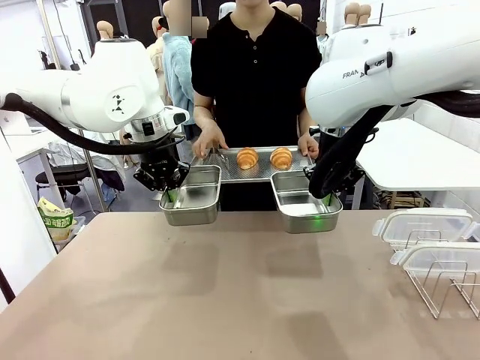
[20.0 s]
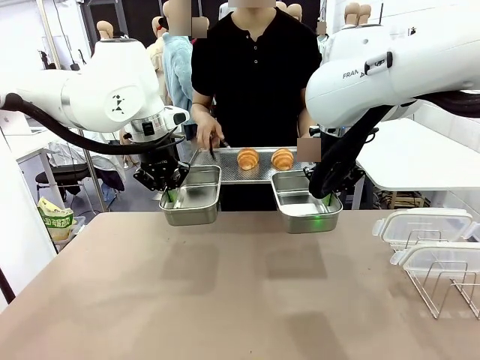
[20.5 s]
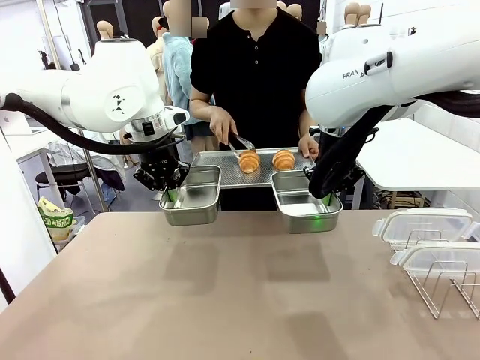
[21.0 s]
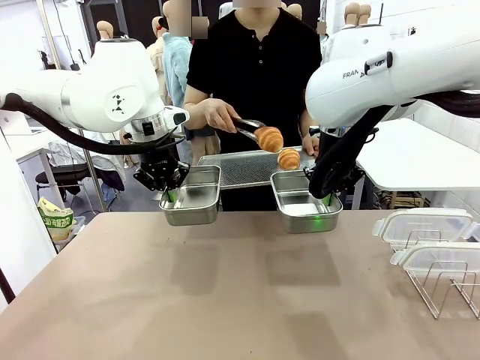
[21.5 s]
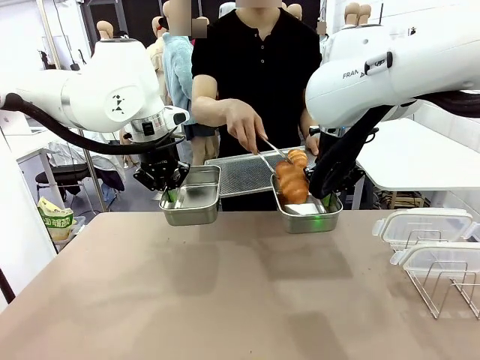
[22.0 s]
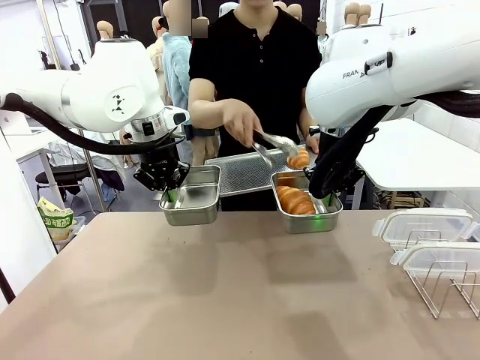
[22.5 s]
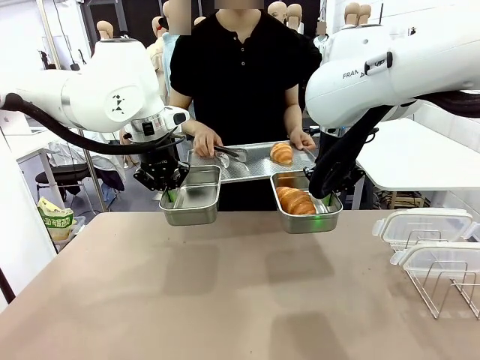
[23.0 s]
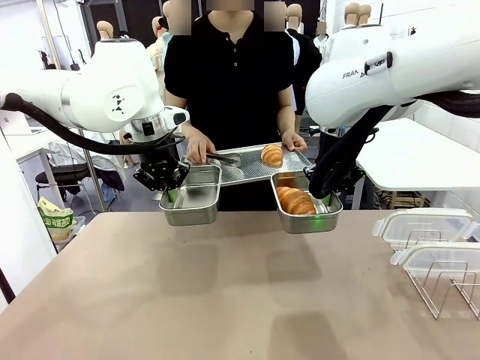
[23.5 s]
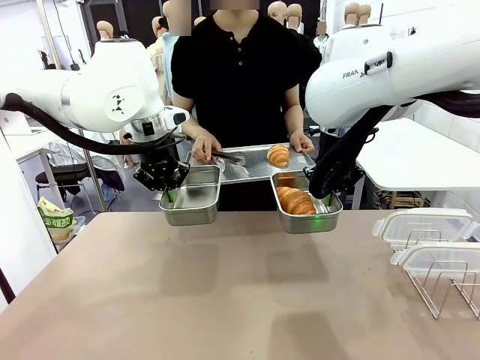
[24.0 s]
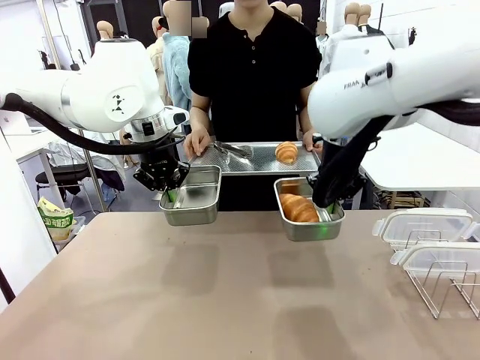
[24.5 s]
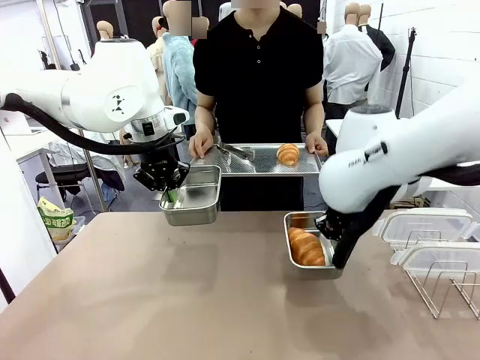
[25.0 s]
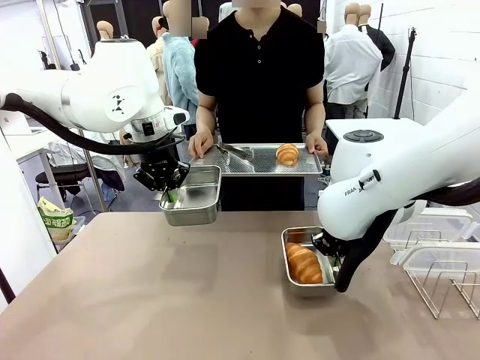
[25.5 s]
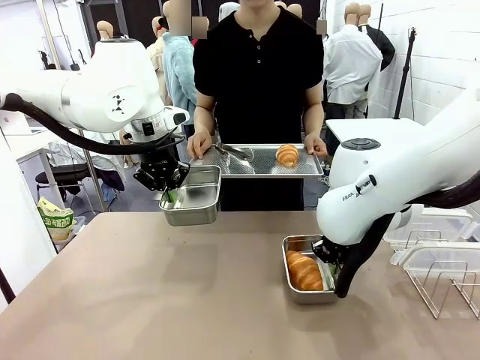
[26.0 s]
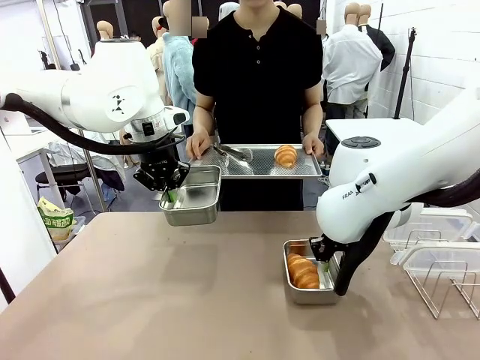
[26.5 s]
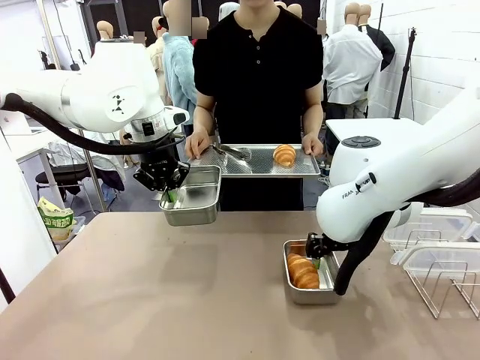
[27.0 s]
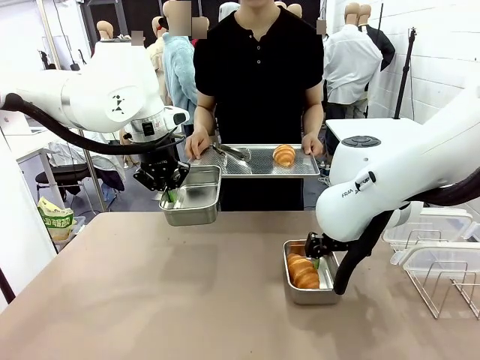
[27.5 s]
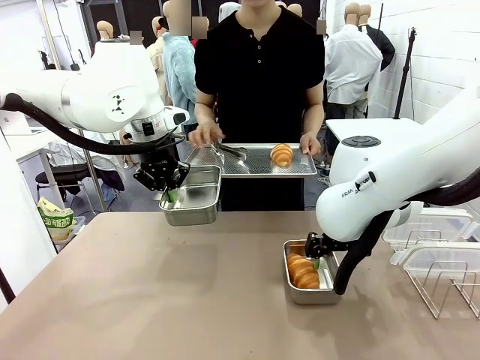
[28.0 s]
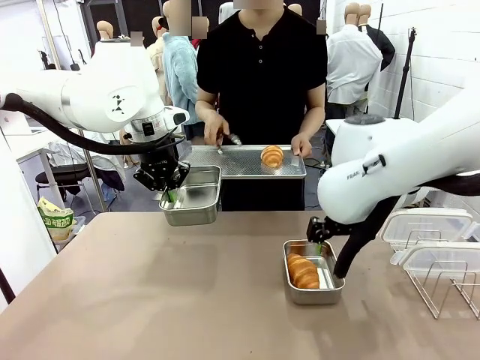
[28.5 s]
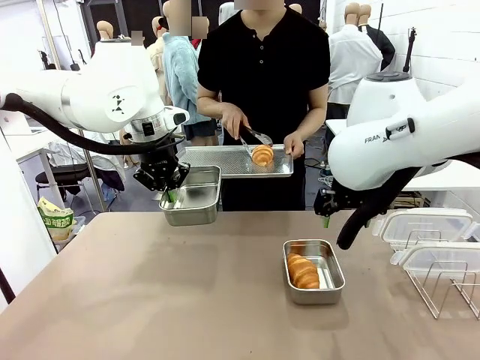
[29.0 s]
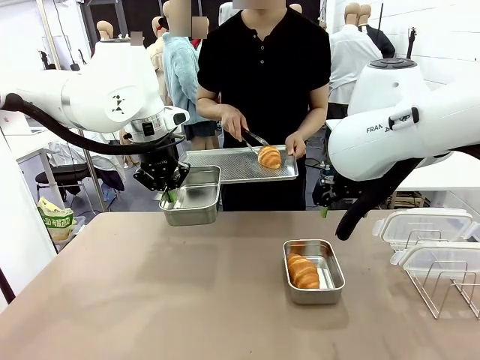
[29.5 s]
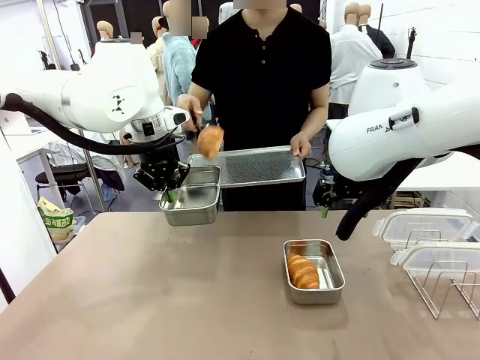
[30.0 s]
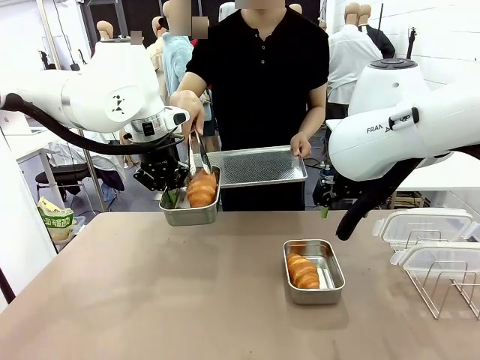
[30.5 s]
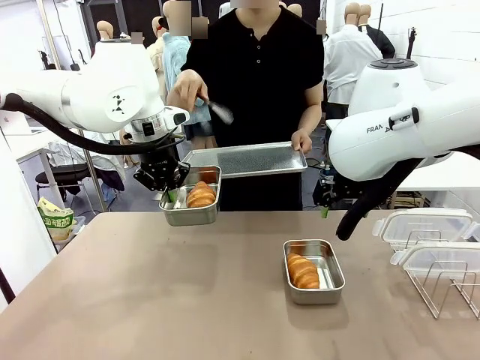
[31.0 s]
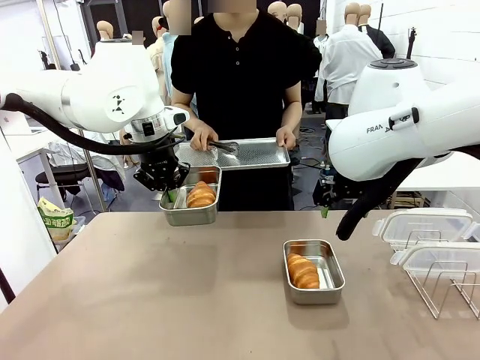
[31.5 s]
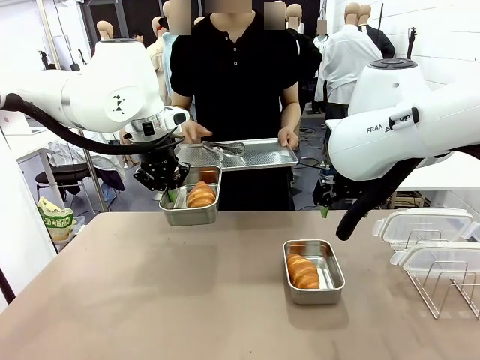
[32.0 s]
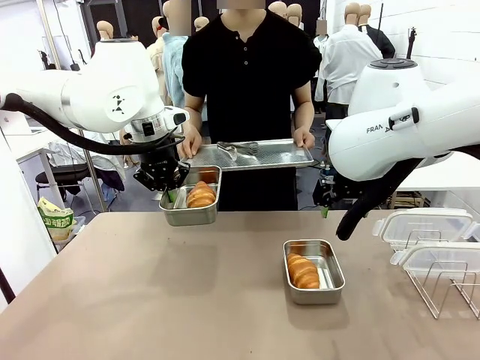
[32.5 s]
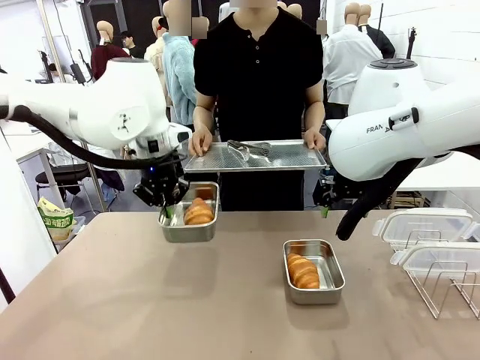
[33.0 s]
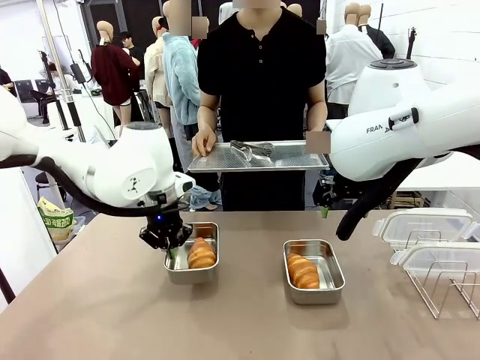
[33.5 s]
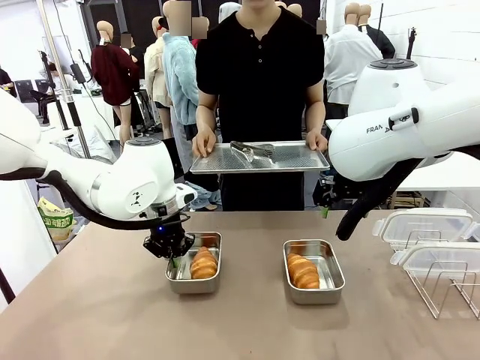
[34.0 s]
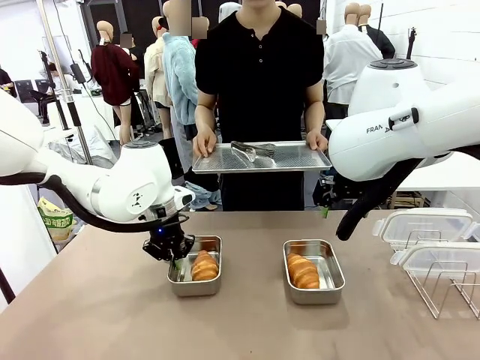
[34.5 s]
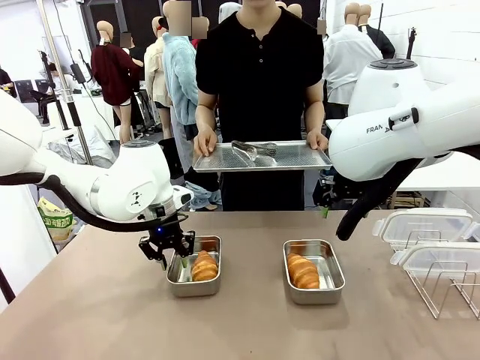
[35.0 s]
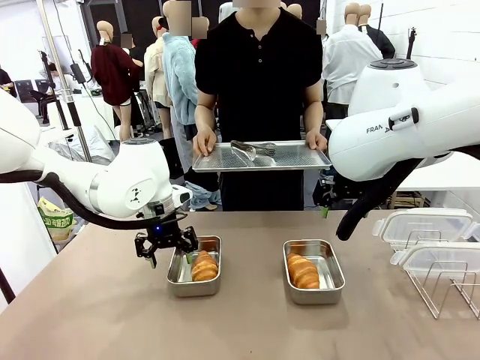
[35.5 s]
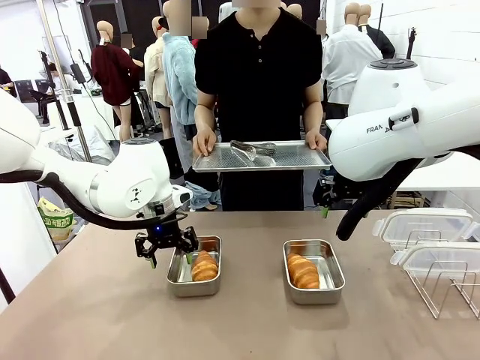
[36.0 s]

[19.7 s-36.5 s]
Task: Place the bread in airtight containers.
Robot: Once an object is inside an Airtight Container , place the container in the center of the table.
Person: Place Baking Sheet on the Human's Table.

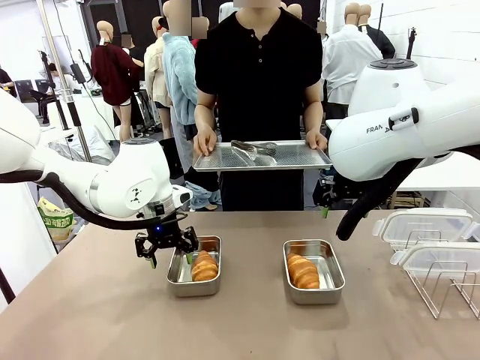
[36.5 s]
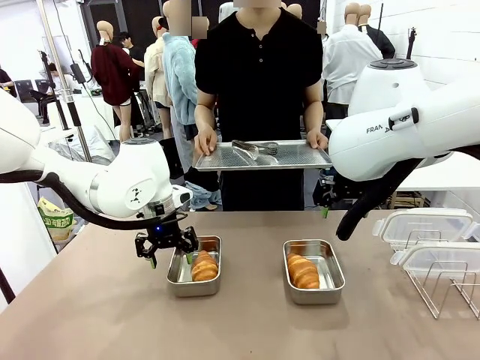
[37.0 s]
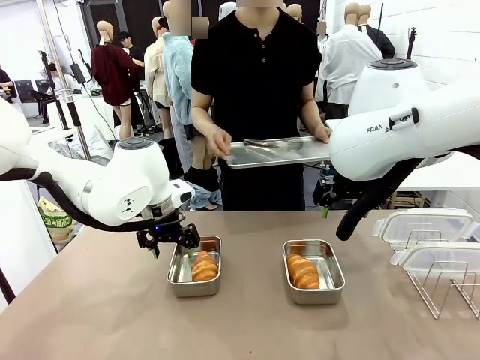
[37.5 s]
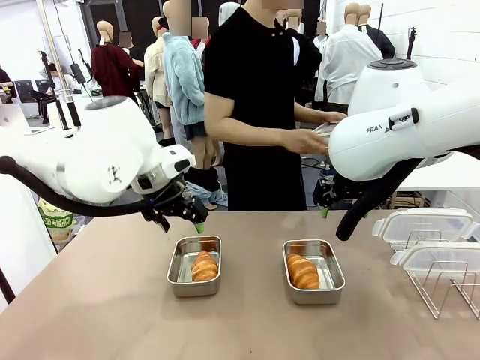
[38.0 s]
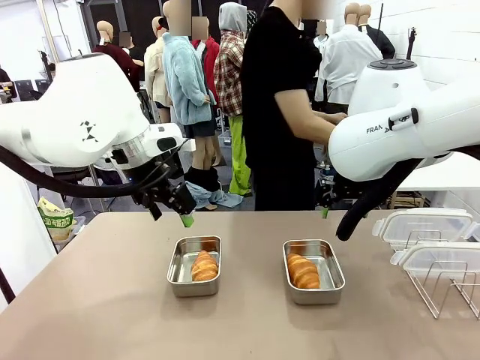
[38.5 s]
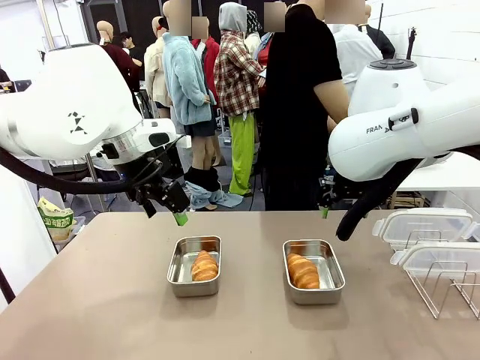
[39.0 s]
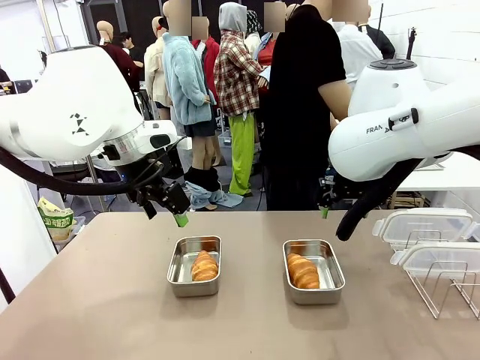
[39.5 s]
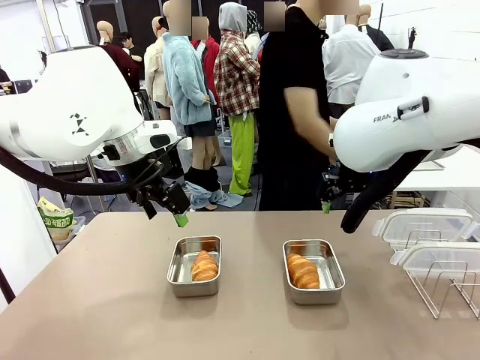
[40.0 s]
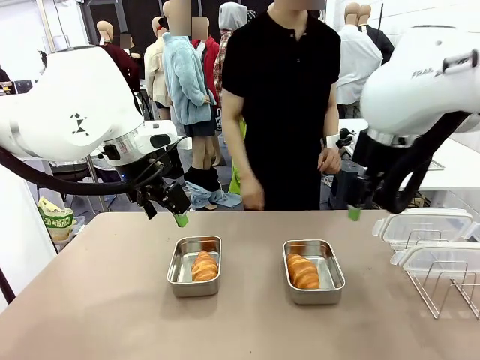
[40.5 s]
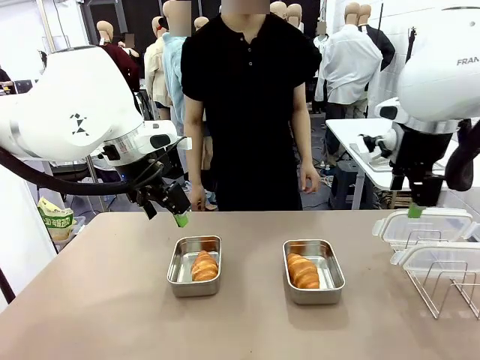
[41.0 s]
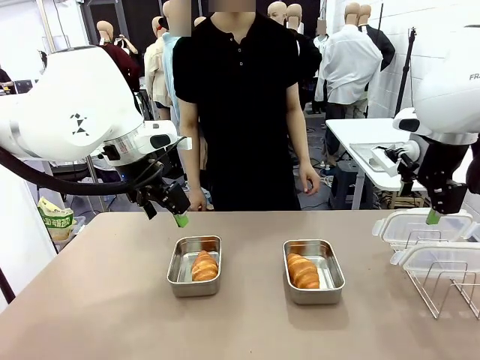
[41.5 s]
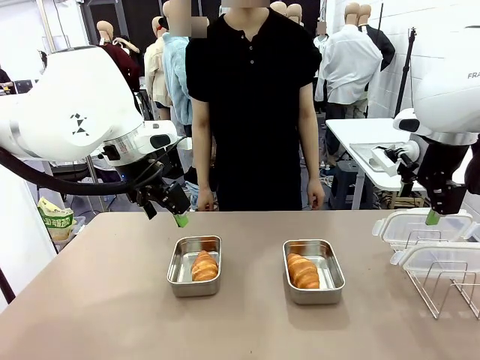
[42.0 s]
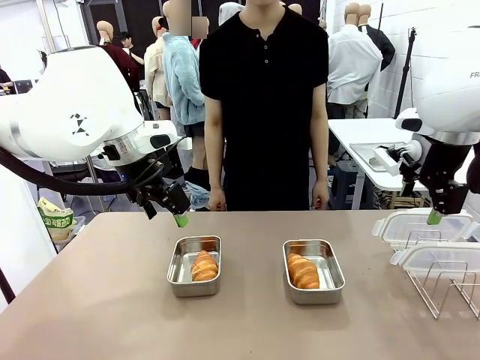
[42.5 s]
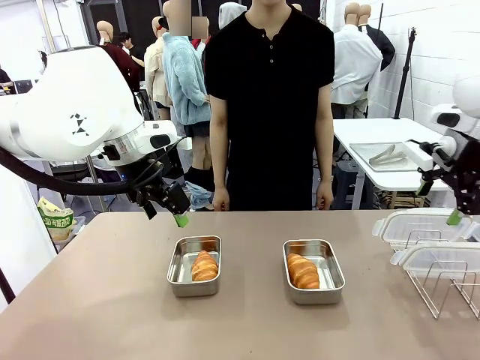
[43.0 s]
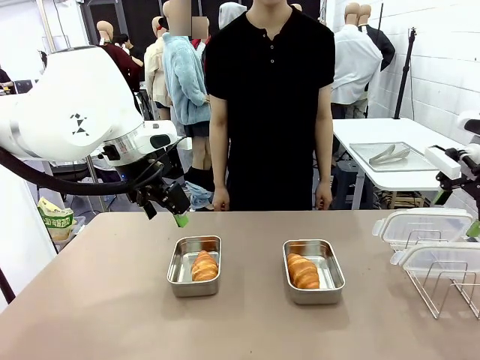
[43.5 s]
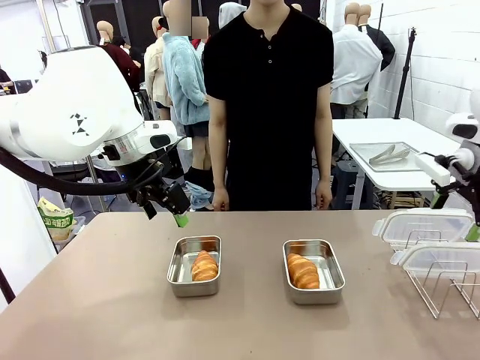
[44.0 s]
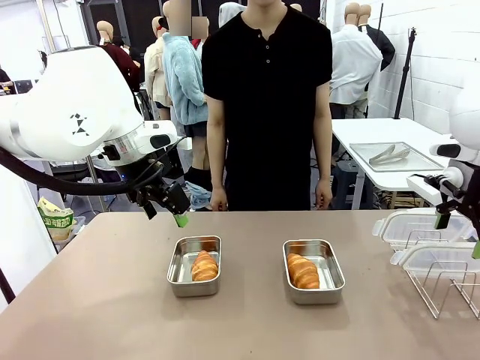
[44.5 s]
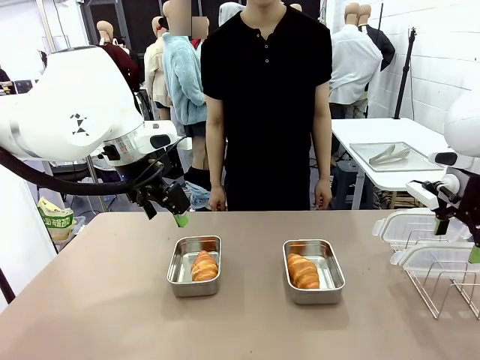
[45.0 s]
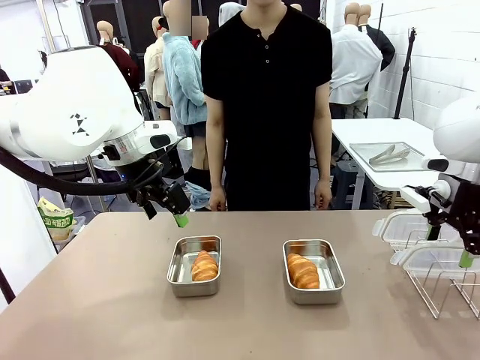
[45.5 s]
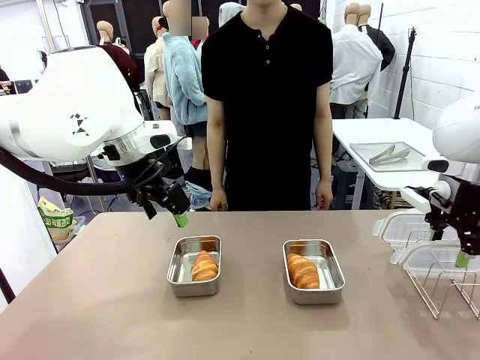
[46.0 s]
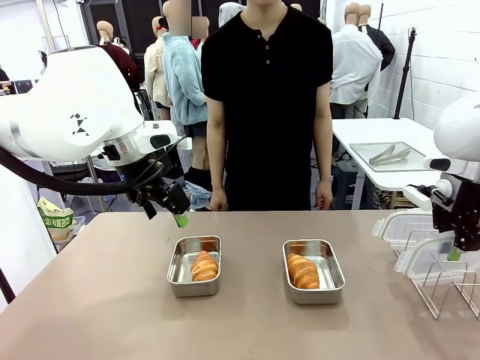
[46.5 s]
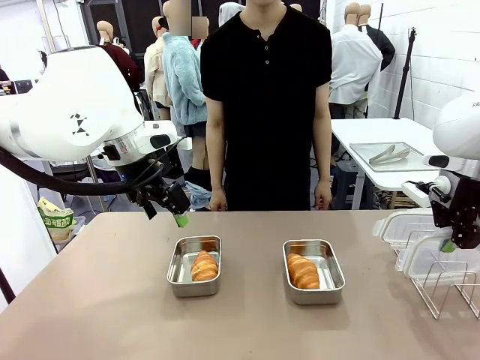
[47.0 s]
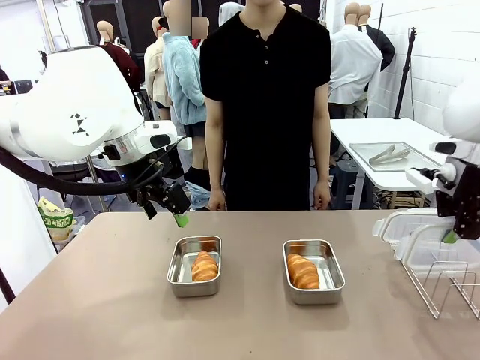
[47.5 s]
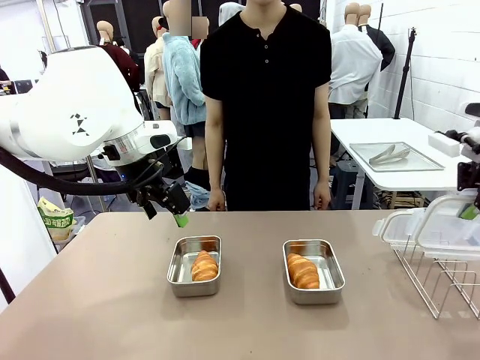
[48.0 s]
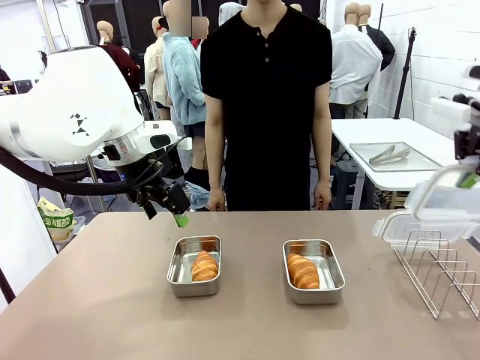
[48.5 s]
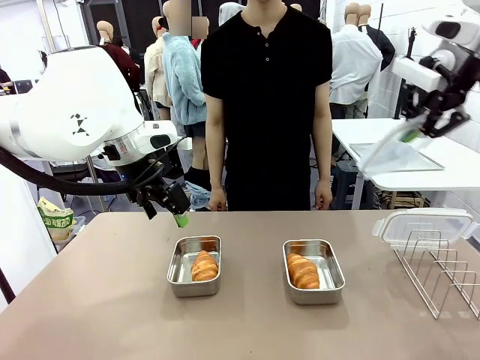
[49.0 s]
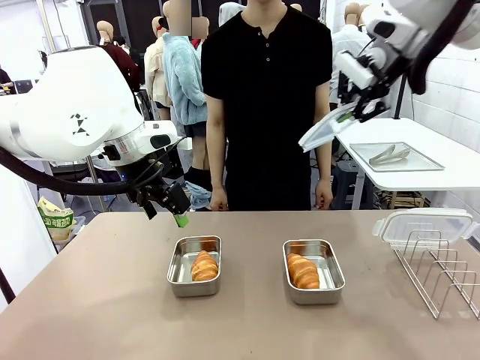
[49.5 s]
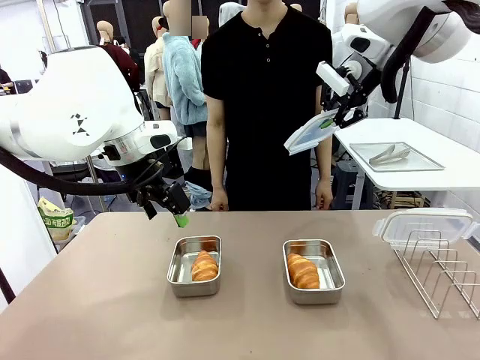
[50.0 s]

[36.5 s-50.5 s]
Robot: Pick up one Airtight Container lid and hand it to the human.
Person: Grip Airtight Container lid that robot is handing.
